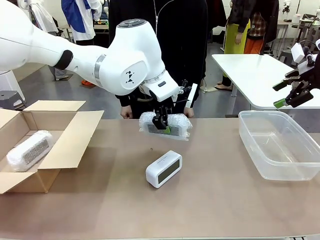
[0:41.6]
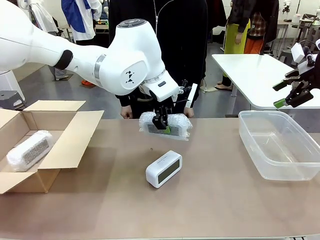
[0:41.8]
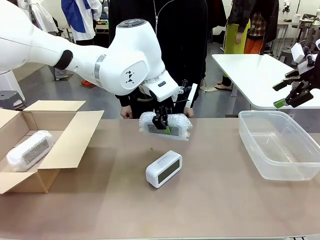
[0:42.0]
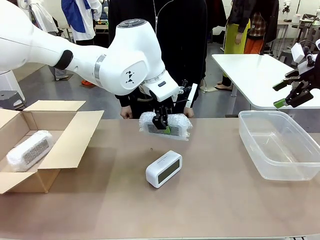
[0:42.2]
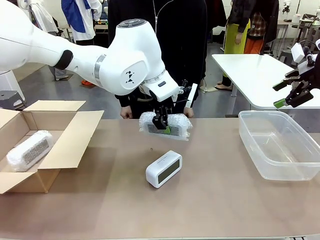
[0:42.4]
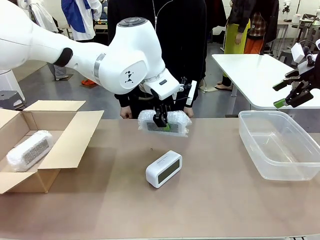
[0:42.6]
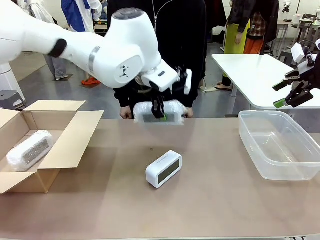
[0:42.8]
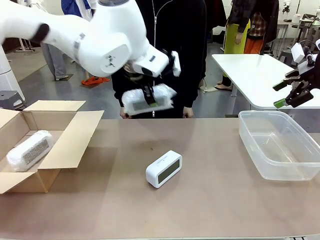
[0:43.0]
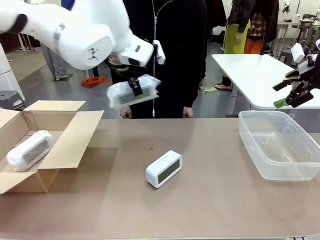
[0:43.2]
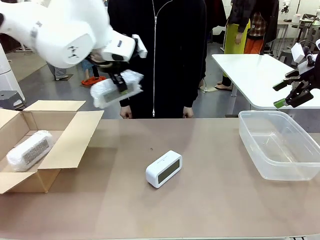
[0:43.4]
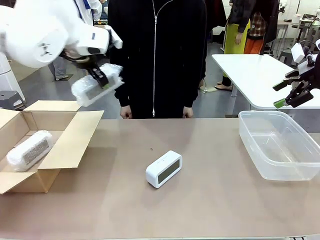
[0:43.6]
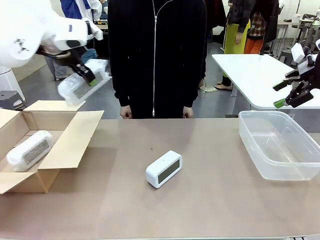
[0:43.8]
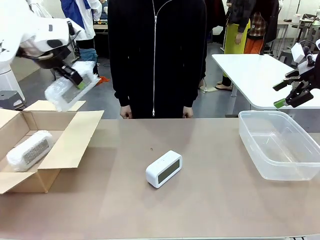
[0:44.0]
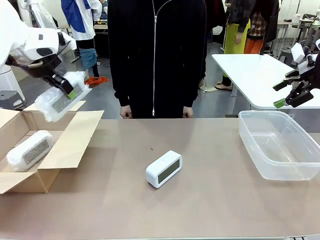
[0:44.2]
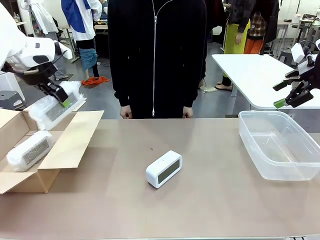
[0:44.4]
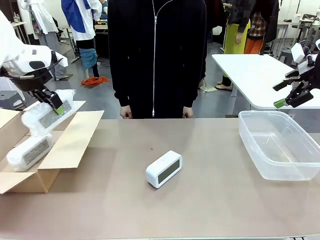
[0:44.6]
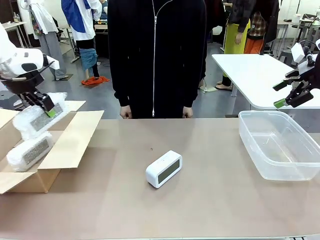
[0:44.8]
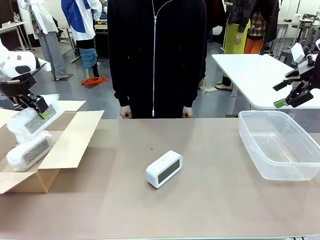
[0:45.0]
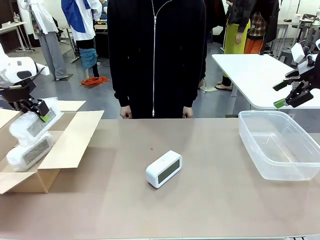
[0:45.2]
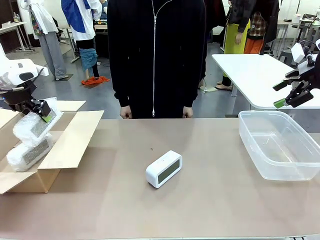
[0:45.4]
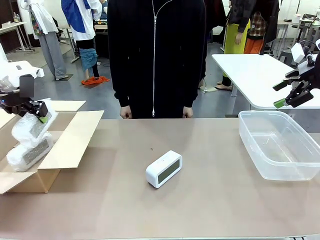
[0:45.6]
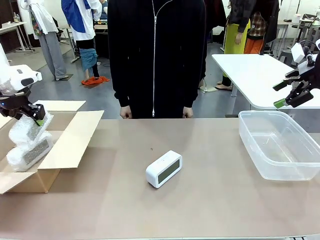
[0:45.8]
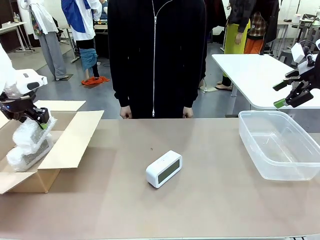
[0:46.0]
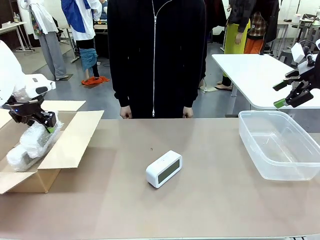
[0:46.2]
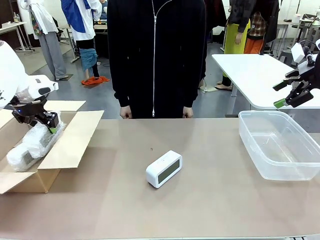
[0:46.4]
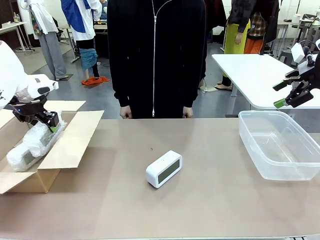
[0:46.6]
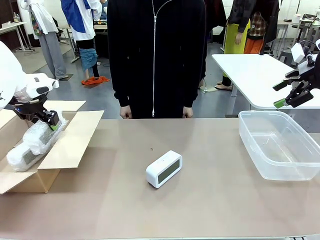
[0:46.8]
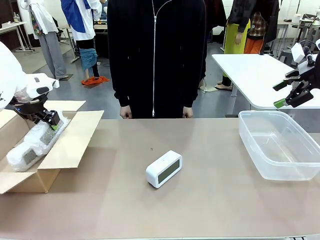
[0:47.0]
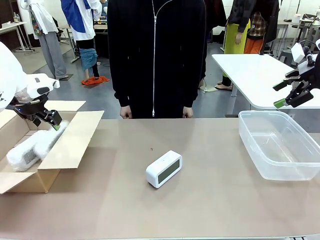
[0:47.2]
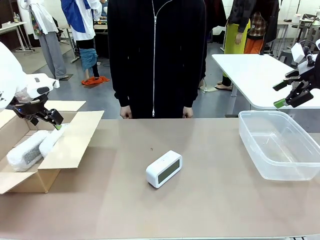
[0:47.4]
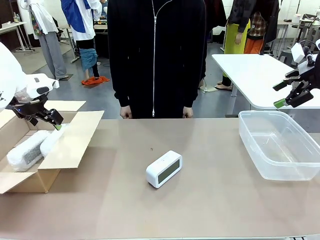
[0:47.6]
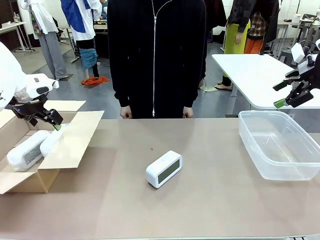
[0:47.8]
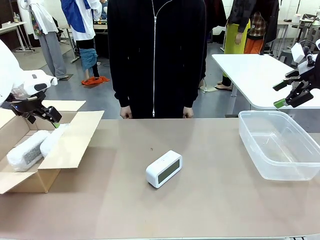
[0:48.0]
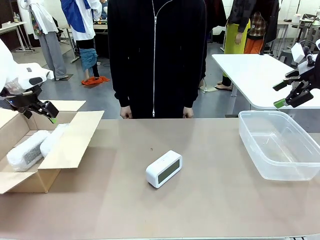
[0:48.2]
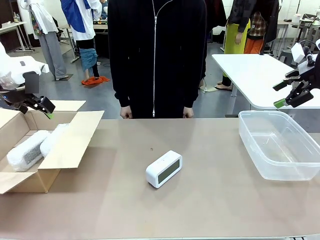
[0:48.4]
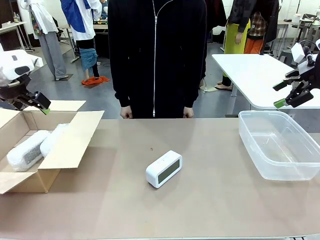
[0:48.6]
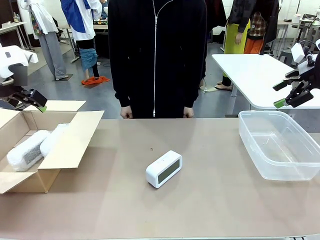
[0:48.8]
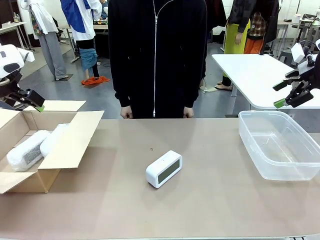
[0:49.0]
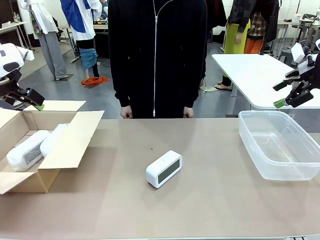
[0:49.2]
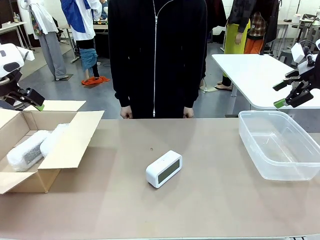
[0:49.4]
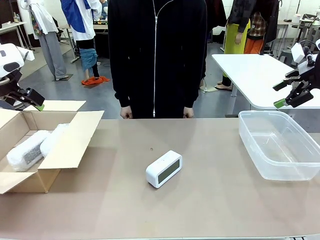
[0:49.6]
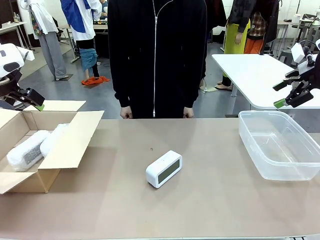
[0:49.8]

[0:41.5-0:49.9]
Task: Separate and place wrapped and unwrapped clocks.
Robot: If the picked Digital clock is wrapped, place it in the Package Box ; if not, place it in the Organizing box.

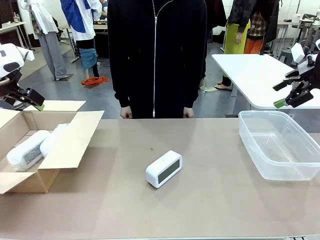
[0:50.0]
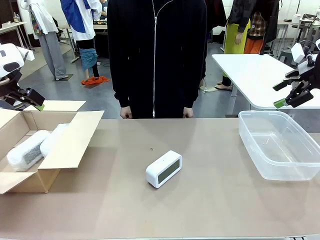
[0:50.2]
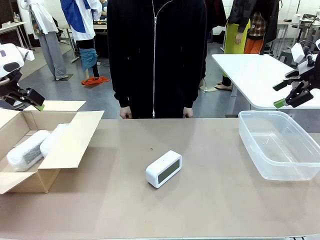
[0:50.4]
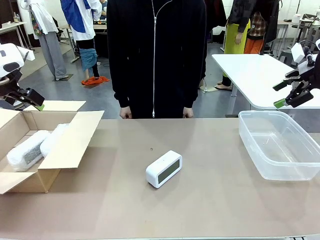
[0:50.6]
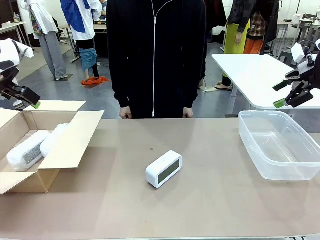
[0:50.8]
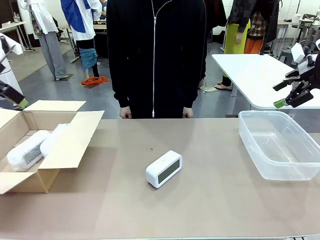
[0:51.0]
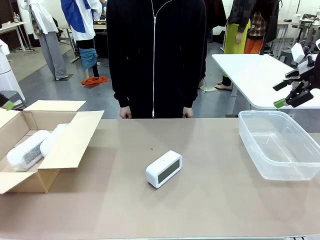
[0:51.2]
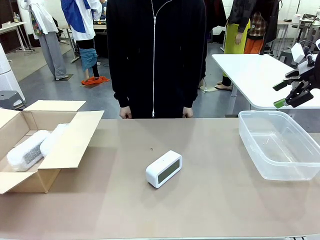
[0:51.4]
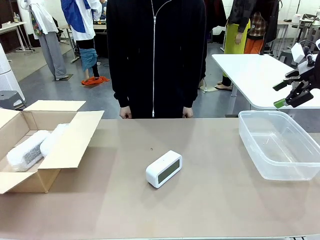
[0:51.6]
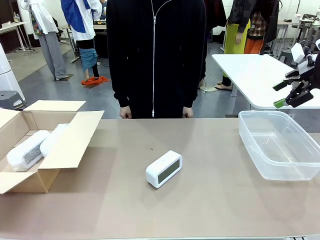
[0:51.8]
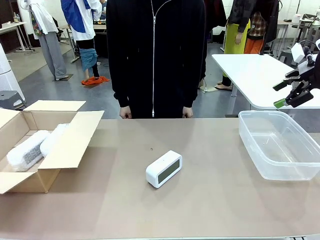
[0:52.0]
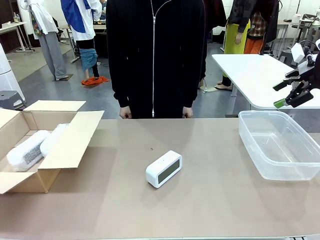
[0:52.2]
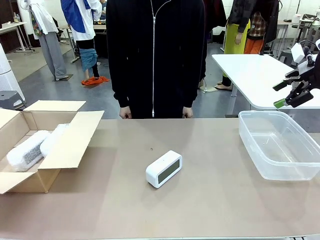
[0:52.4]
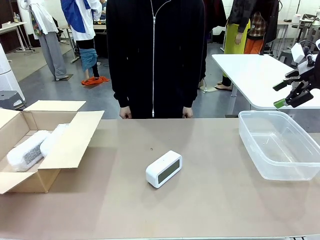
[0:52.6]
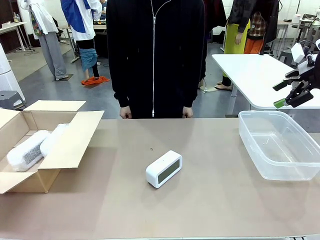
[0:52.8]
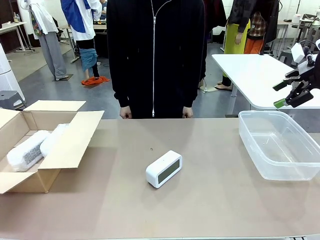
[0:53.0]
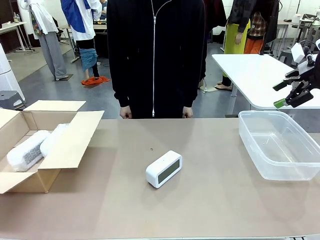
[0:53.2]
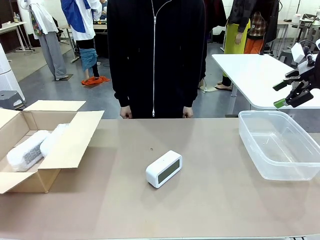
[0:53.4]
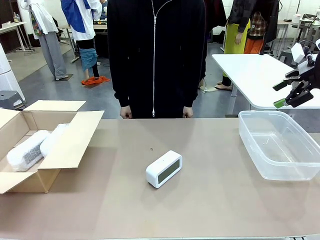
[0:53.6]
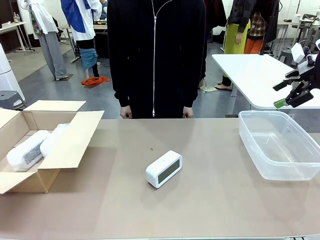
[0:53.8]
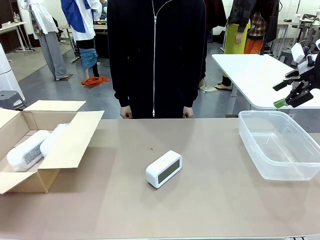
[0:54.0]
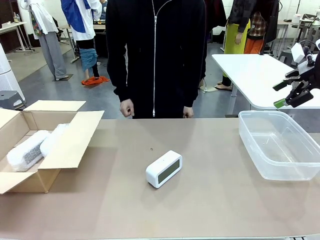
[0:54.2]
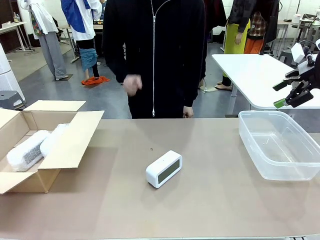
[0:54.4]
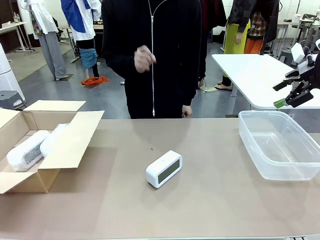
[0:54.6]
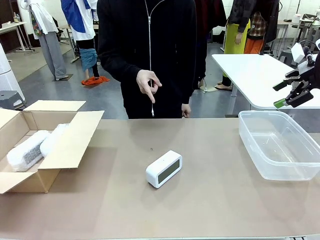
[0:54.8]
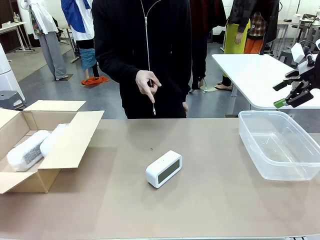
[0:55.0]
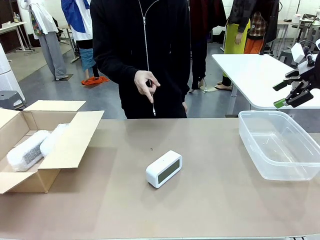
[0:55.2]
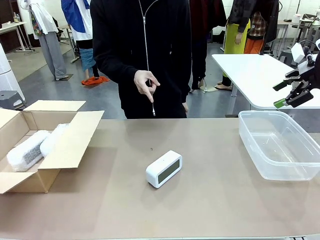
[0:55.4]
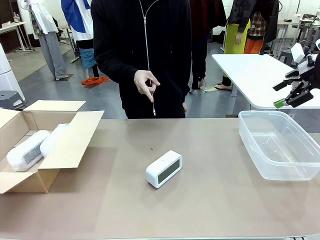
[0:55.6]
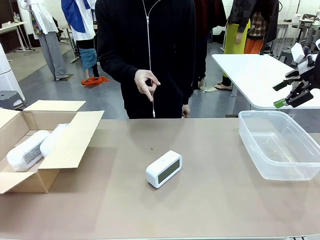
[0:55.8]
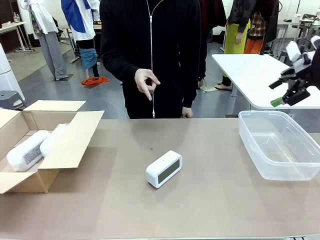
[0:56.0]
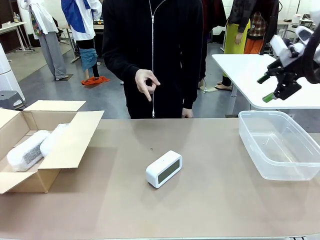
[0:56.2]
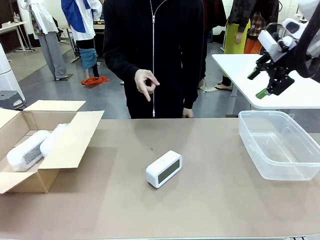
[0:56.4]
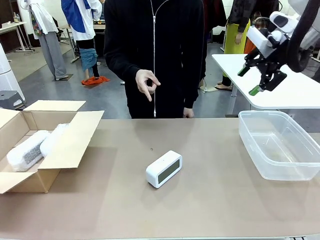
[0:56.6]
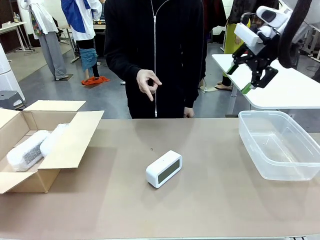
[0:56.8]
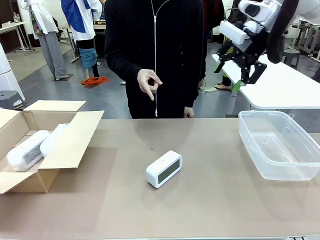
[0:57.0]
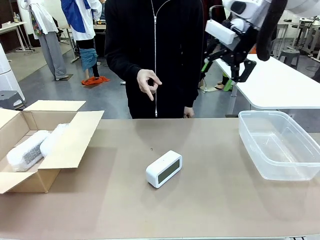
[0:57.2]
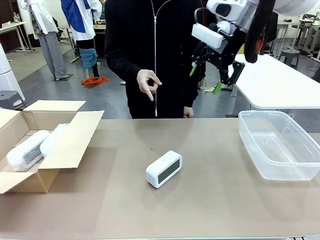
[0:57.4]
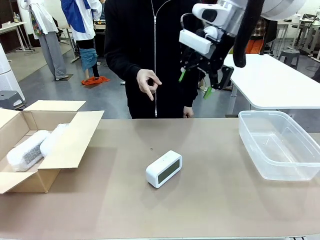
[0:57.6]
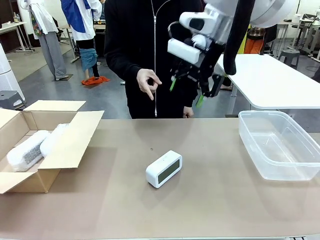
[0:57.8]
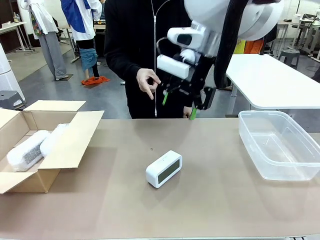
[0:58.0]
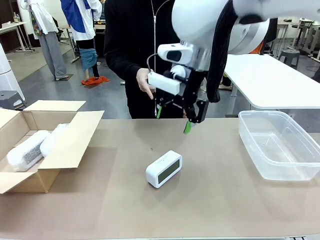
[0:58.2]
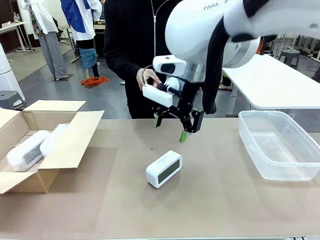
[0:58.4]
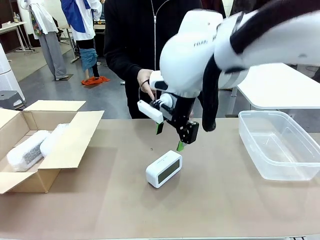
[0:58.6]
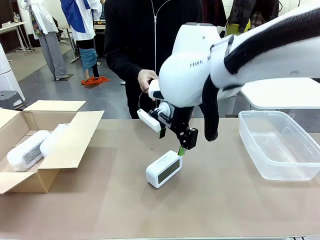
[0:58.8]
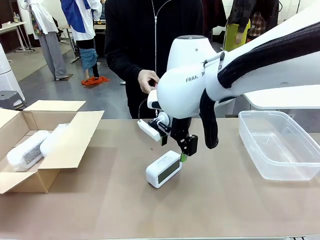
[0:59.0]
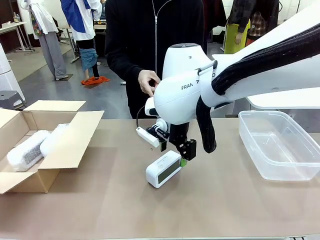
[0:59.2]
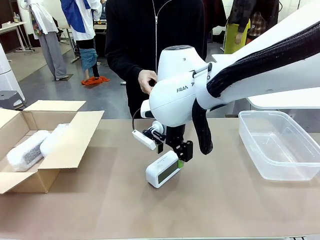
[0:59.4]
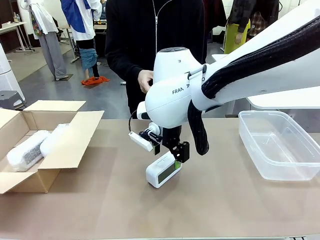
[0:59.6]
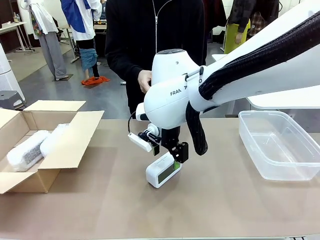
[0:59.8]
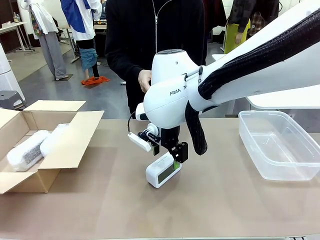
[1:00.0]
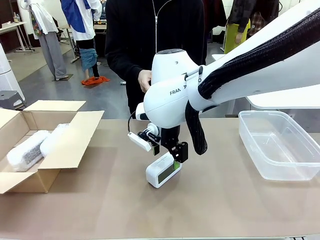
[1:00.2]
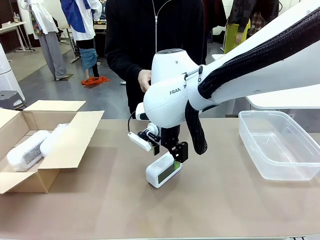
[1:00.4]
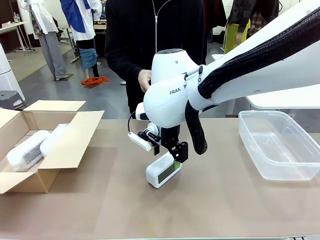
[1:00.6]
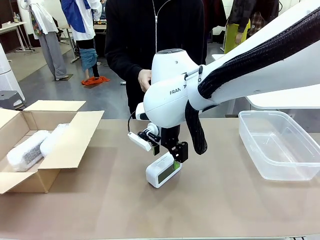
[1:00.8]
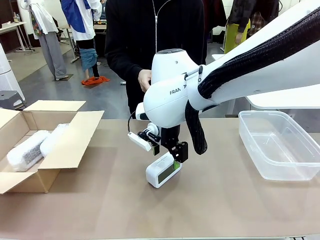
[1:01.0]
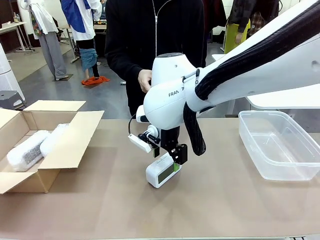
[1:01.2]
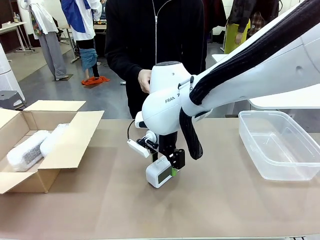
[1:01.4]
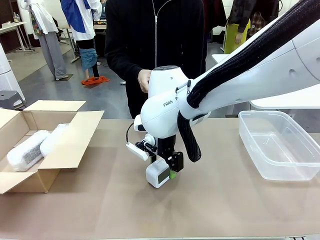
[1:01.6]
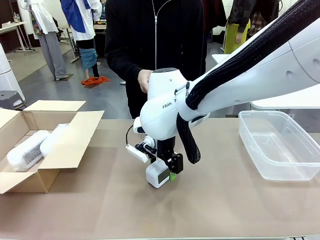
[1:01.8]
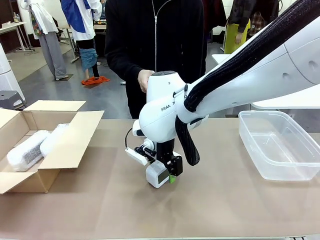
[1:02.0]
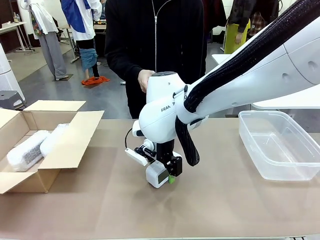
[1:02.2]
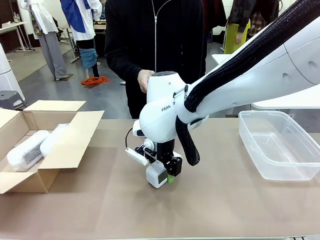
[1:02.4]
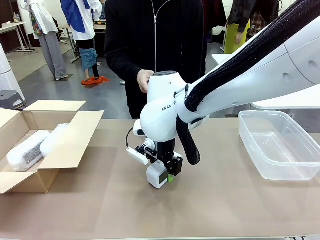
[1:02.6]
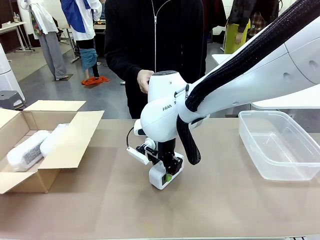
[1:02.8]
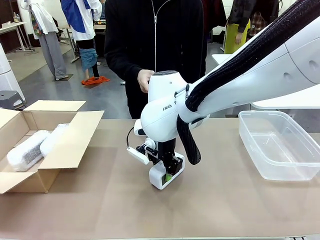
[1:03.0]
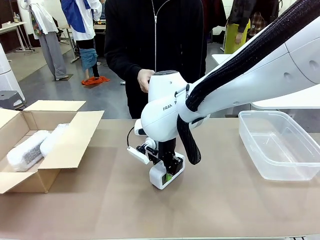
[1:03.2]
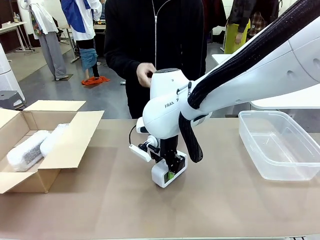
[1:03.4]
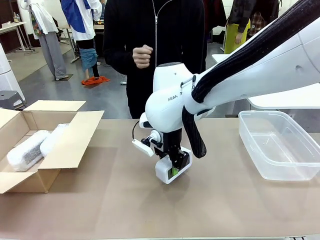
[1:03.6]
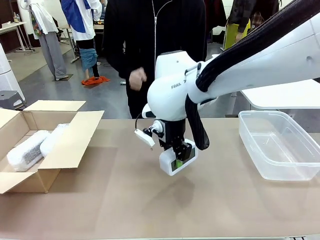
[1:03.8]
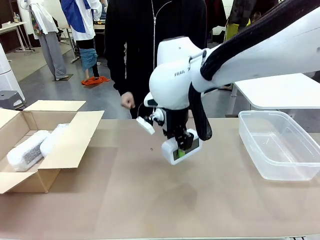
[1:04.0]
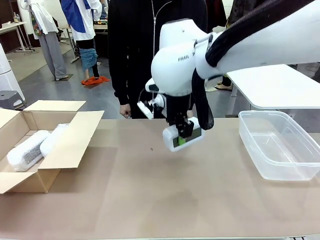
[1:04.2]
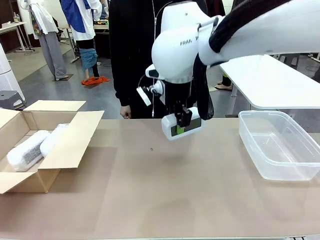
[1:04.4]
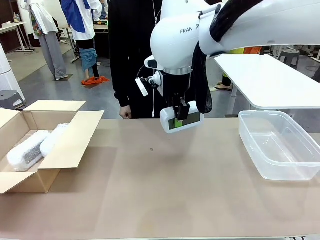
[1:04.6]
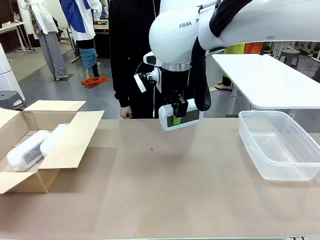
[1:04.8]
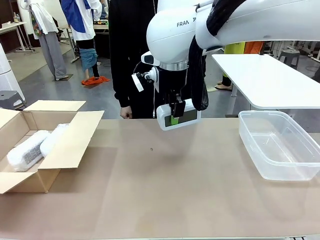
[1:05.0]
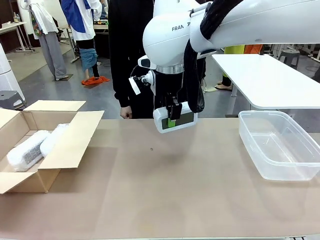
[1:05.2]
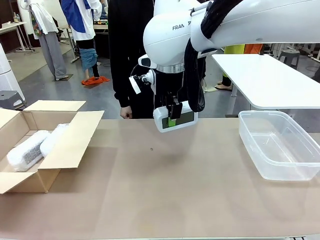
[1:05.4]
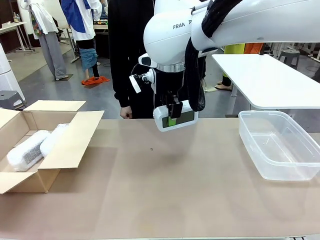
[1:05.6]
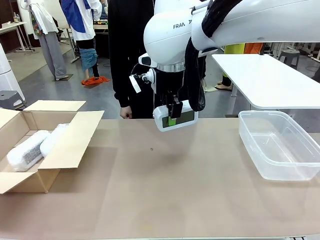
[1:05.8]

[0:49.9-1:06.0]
Robot: Pick up the Digital clock indicated by the person.
